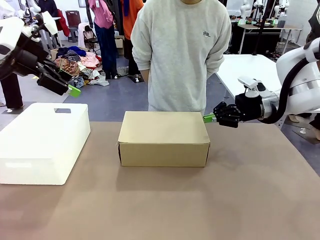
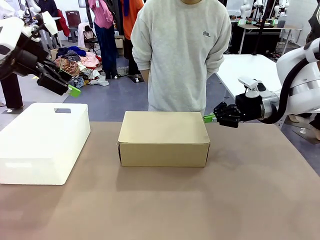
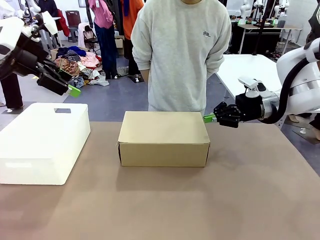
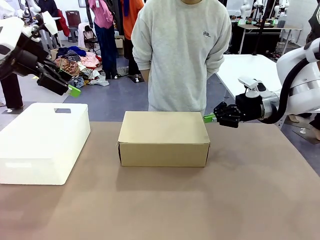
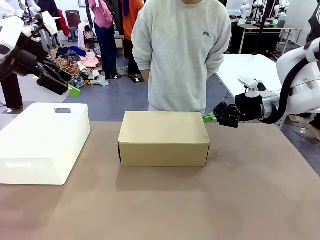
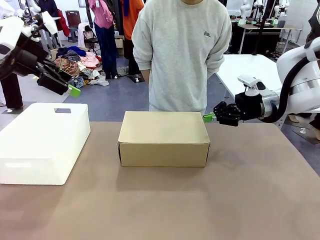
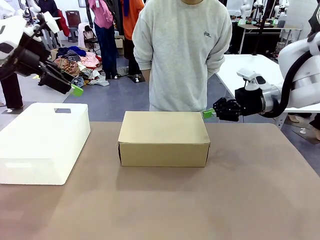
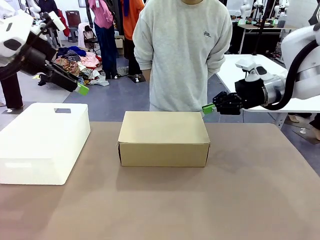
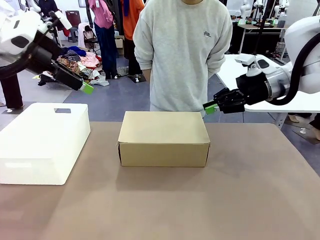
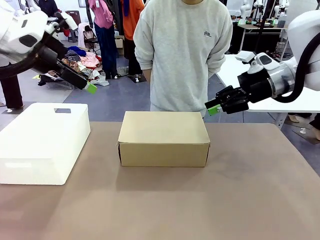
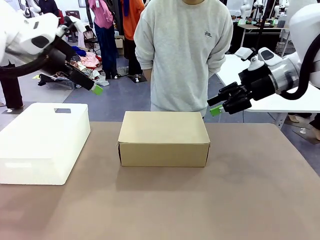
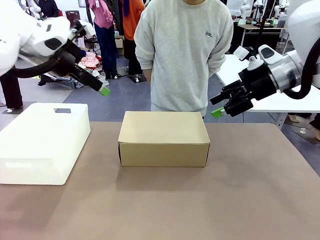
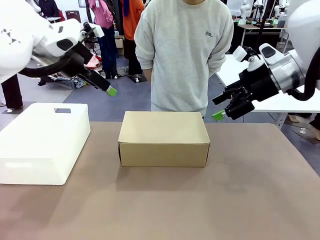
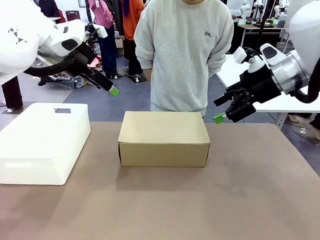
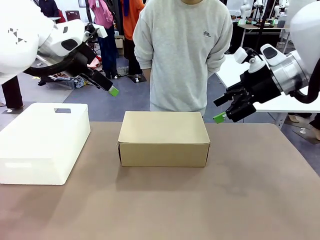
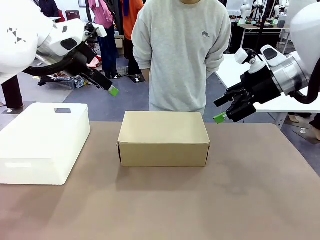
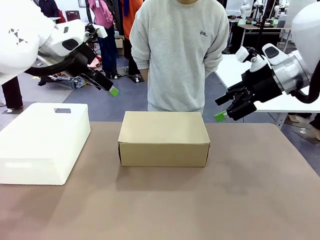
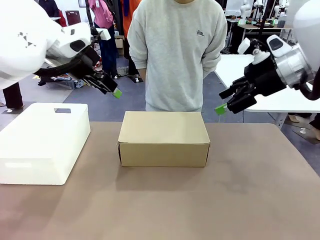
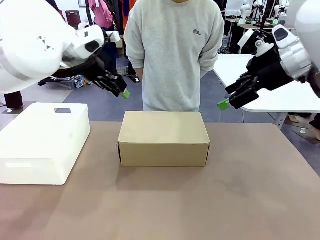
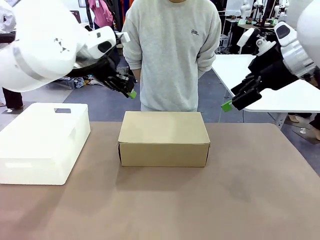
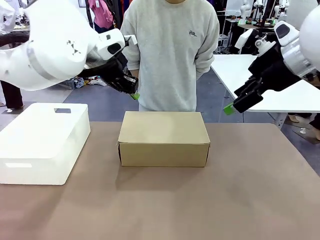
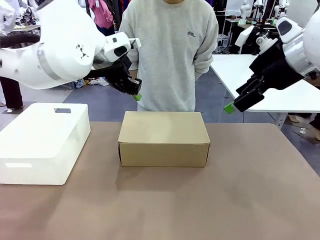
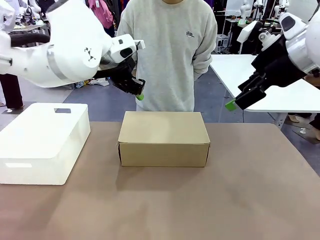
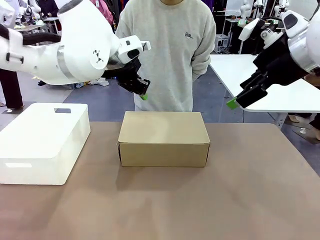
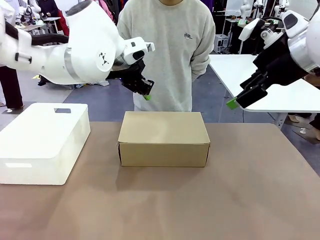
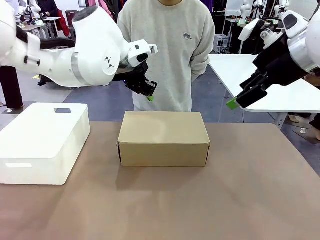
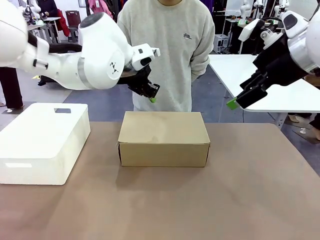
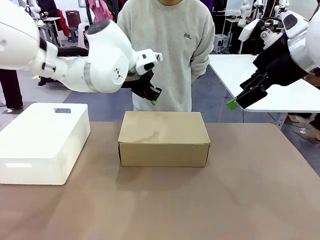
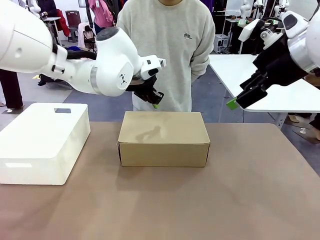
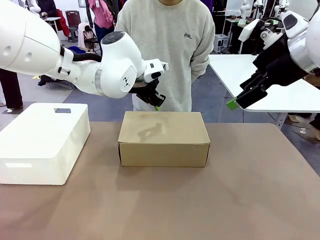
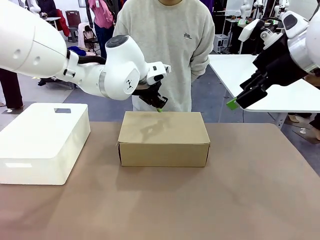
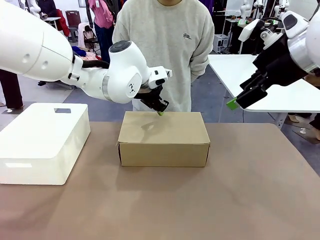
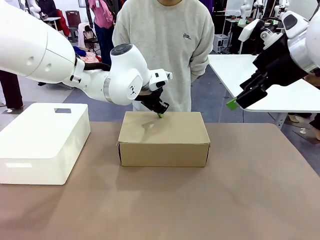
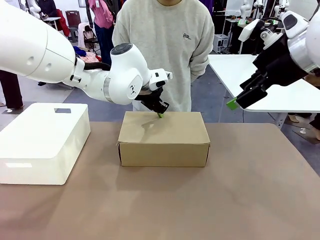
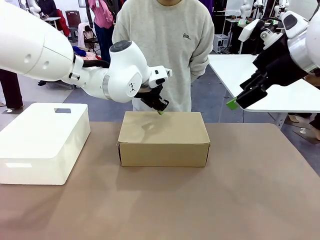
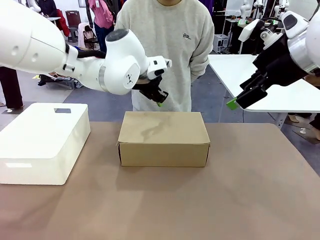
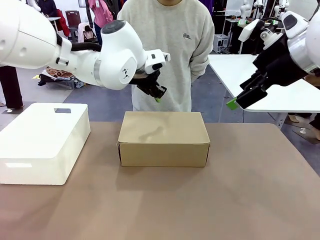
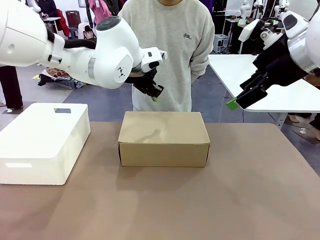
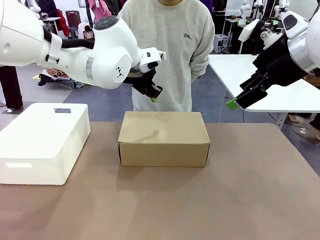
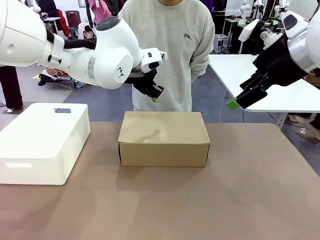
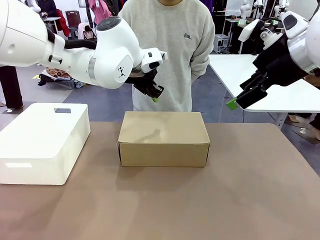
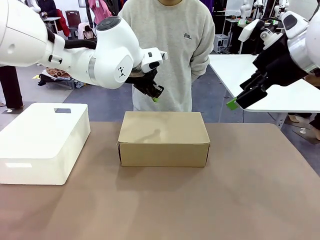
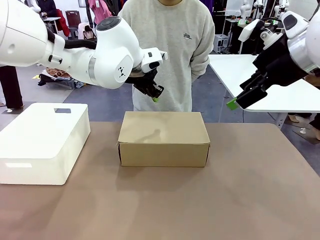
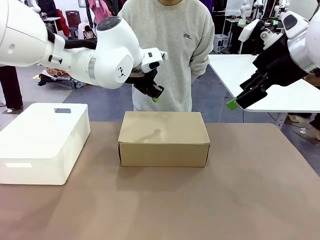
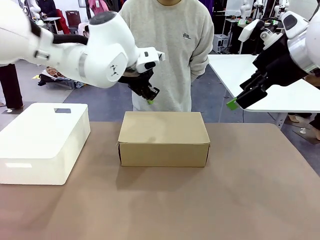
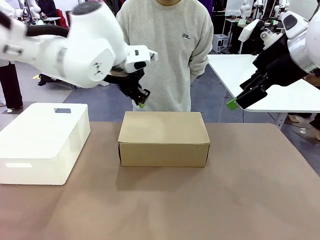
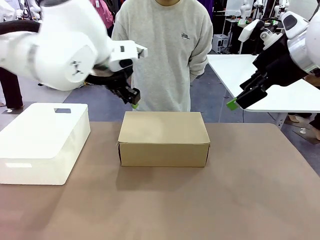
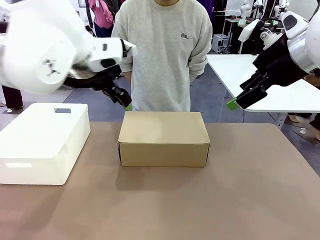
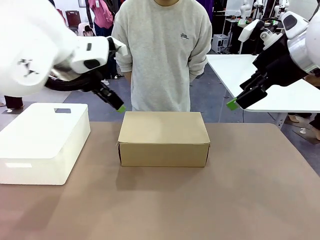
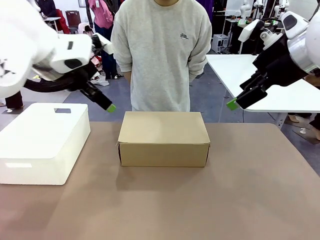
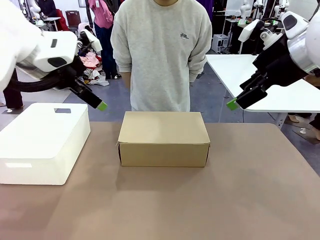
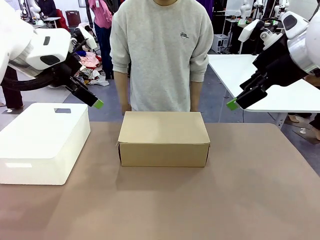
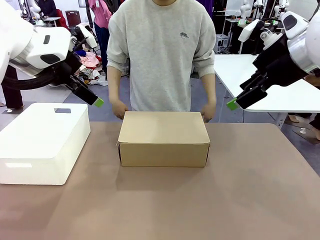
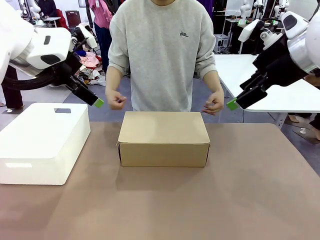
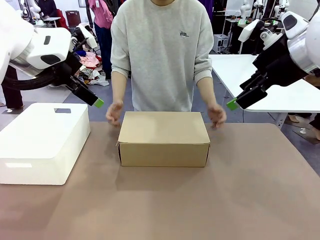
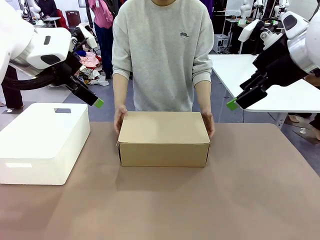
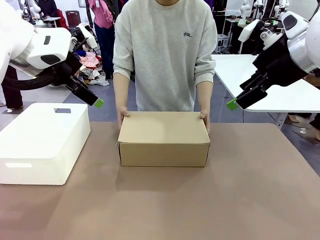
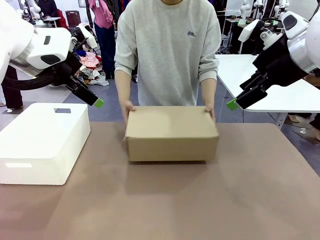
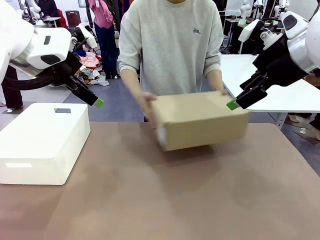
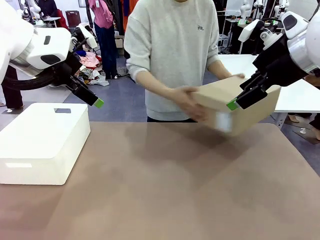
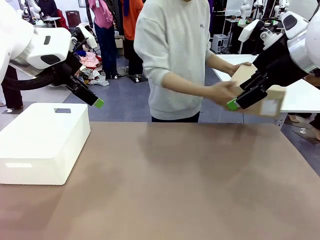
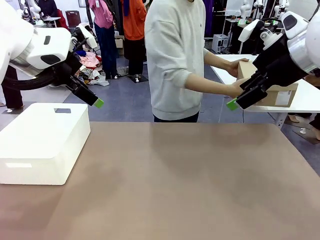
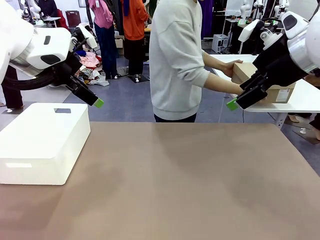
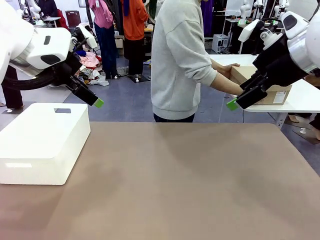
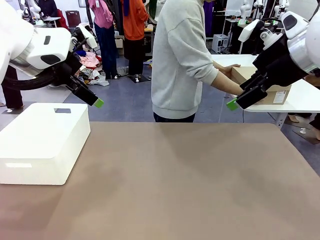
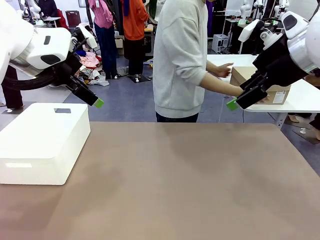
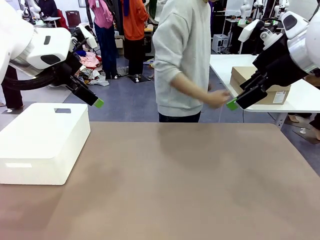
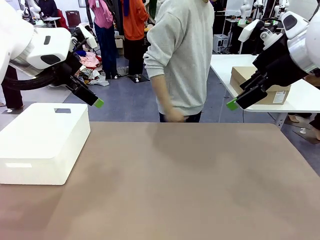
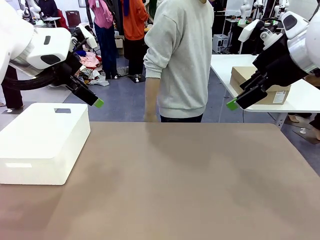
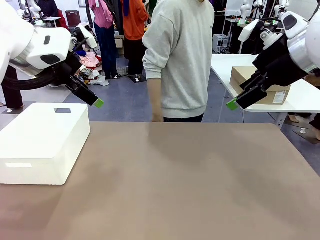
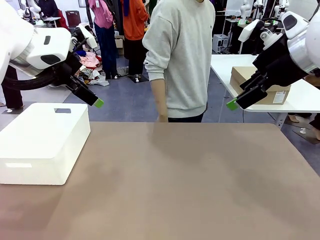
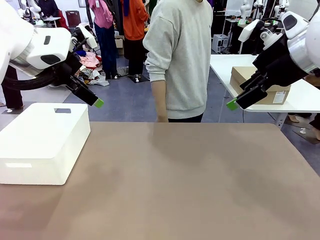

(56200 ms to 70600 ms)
Task: Pack the shoes into the box.
Robot: Press down on the lid of the Shoes Box.
Person: Place the closed Shoes Box to the right side of the human table.
